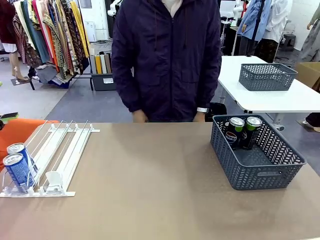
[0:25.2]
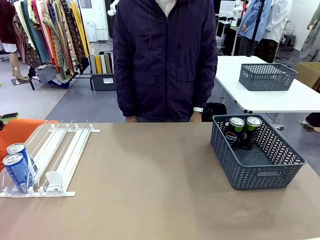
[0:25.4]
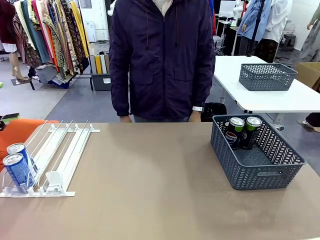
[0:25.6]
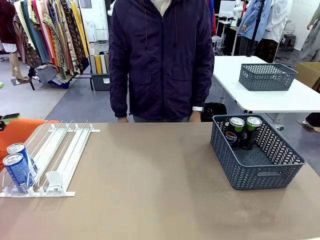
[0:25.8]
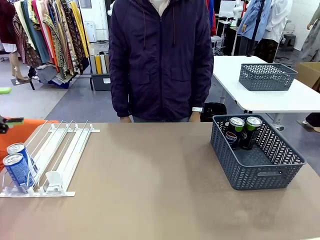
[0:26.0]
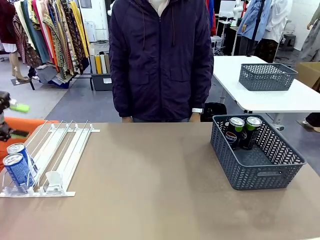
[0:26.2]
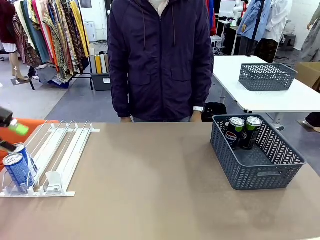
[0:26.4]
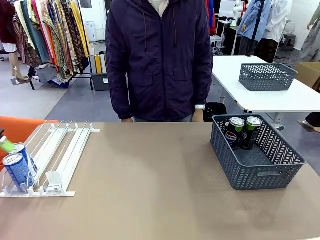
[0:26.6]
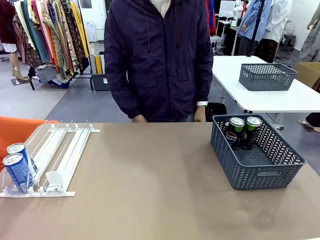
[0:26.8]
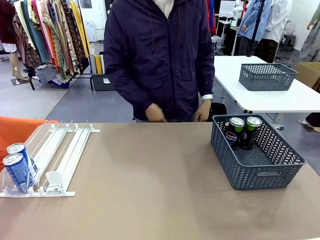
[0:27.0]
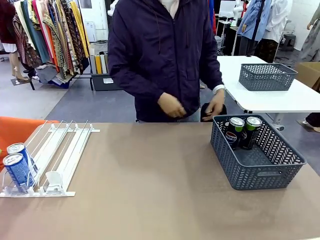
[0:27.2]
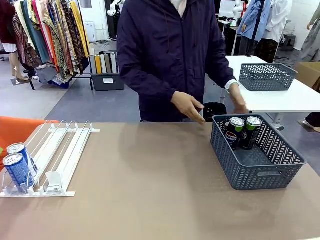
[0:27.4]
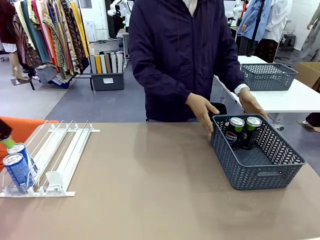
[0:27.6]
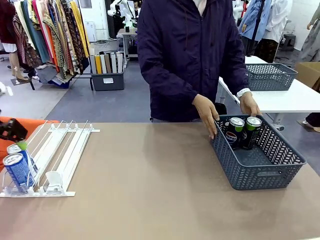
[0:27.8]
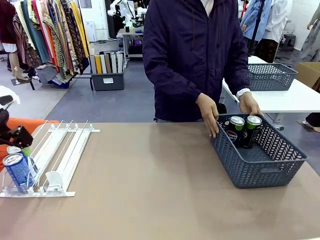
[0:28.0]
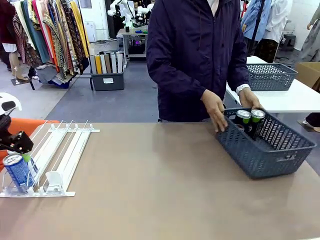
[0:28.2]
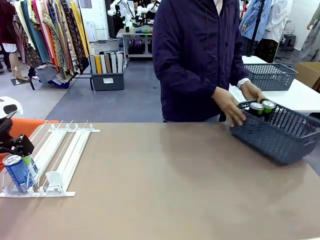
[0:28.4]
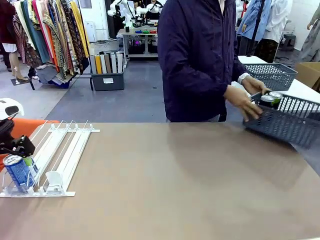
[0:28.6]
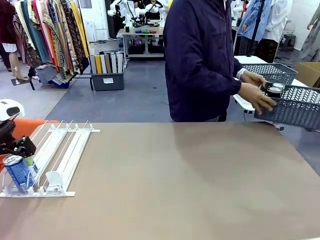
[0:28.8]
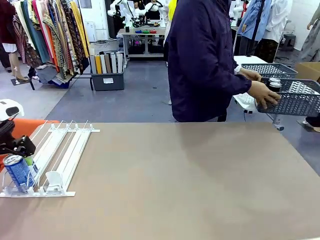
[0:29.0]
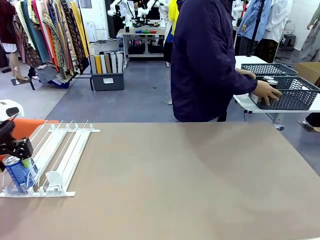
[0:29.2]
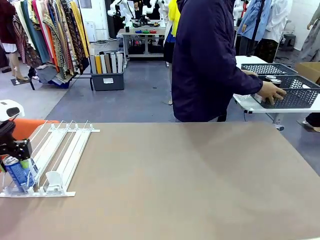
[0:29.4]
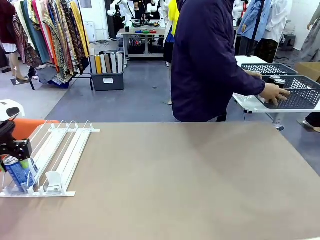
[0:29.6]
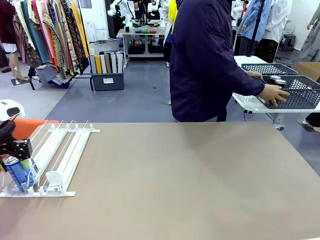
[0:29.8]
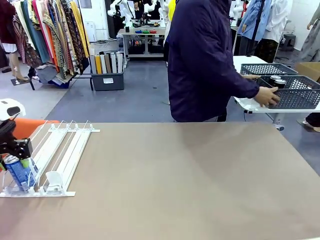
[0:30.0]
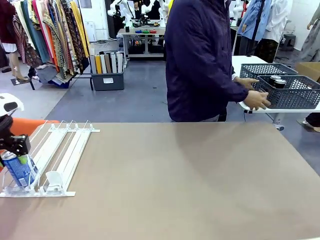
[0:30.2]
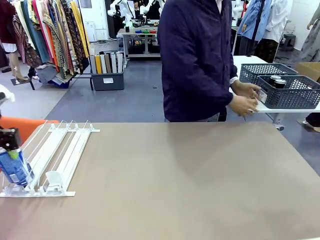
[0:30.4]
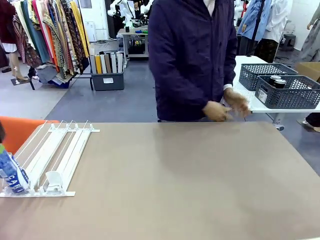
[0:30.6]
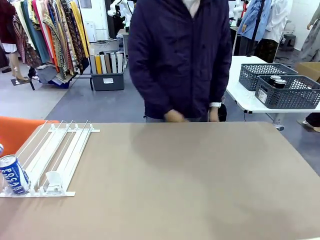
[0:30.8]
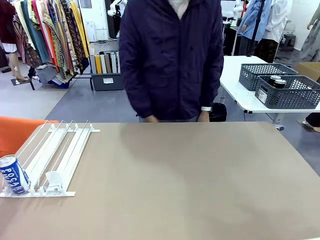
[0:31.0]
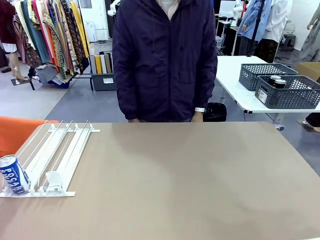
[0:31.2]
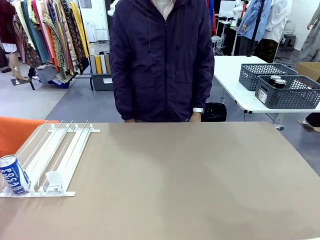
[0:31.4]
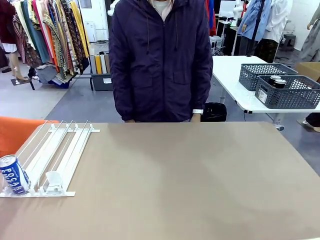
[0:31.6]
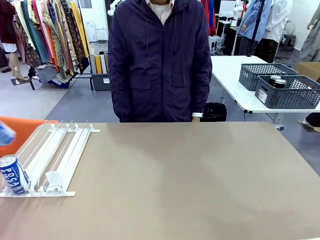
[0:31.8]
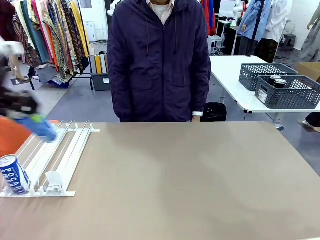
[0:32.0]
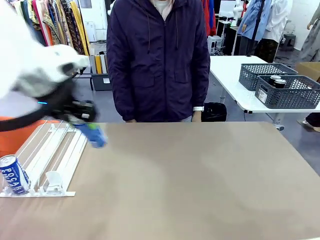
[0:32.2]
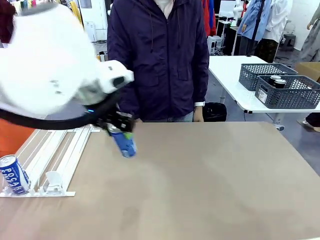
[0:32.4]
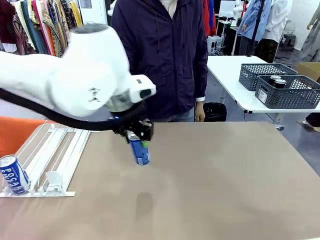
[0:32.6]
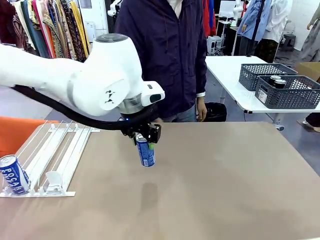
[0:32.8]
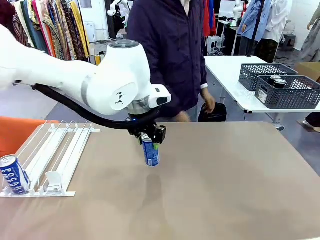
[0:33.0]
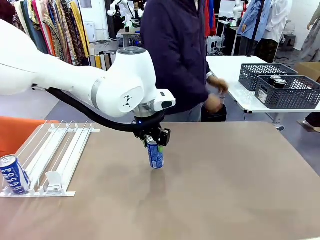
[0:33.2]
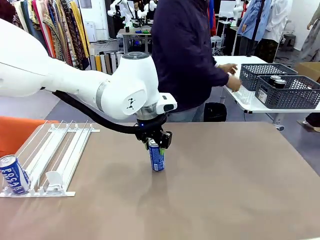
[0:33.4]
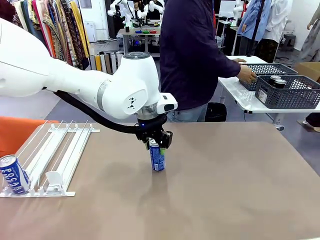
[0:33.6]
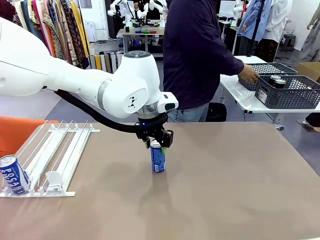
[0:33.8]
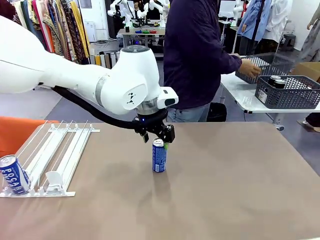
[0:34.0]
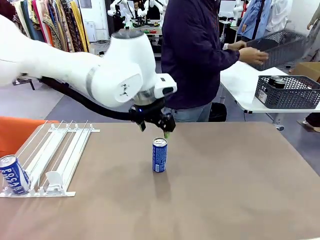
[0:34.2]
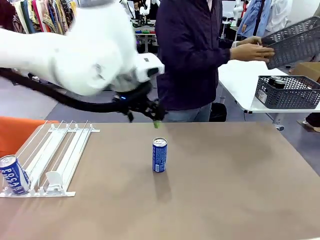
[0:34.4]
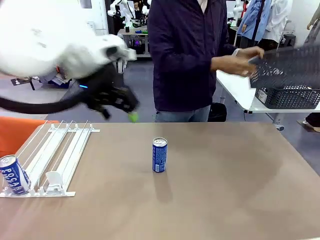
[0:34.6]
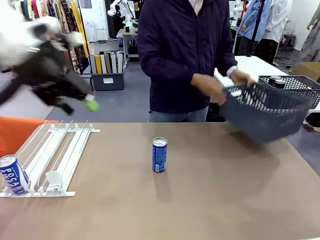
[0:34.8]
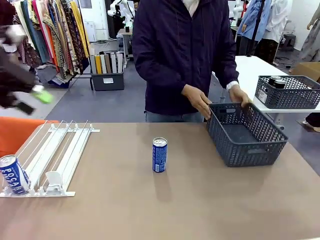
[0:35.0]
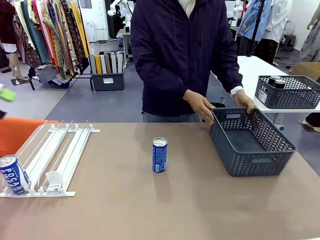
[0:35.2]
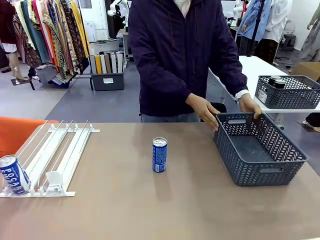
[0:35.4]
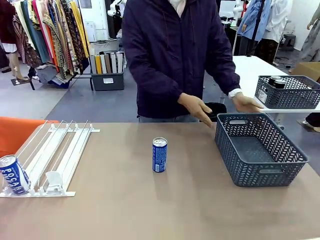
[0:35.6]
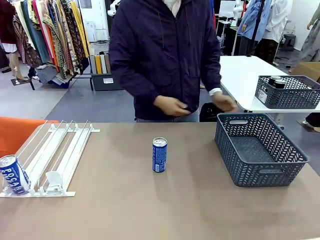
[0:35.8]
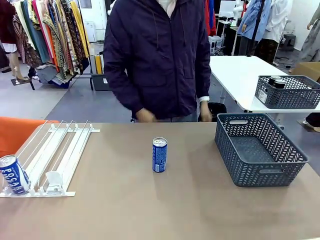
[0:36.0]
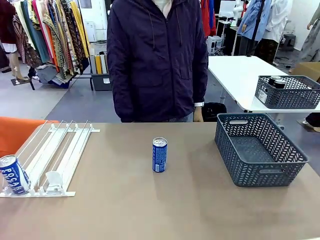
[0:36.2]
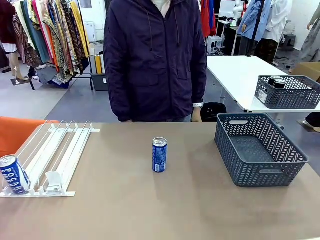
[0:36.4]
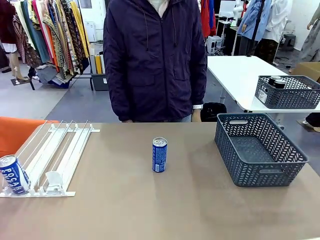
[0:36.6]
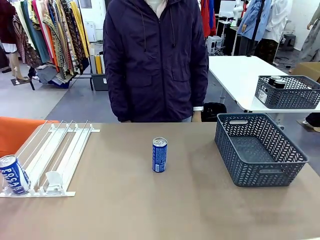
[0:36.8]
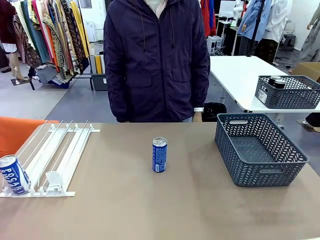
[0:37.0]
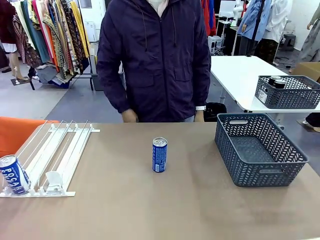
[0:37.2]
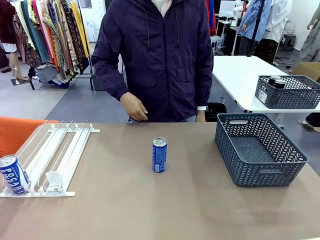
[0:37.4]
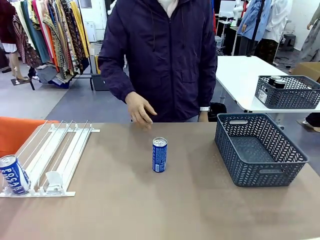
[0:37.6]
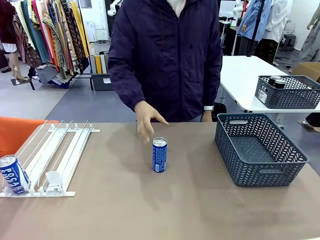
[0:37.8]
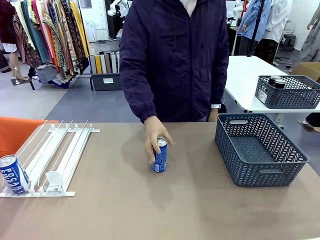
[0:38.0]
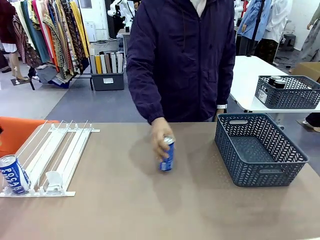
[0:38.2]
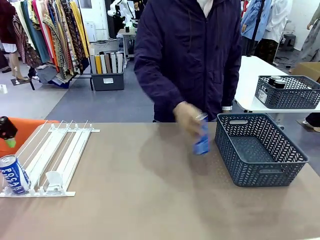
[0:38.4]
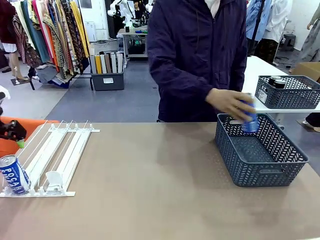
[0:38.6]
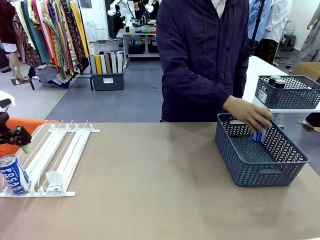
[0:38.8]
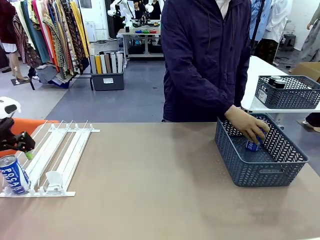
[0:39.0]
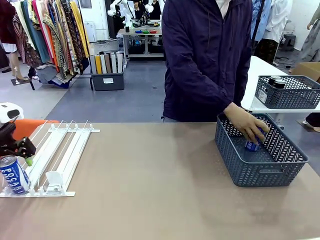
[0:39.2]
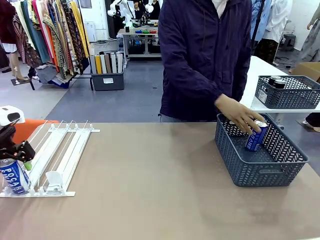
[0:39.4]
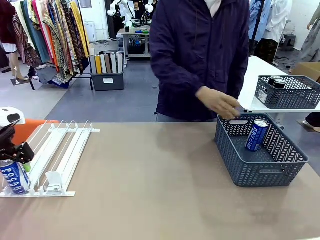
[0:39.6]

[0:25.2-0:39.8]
Task: Retrieve and store the cans from the dispenser.
Robot: Pick up one can from the Automatic Can Dispenser and place it in the middle of the table.
Person: Pick up the basket and place it in the middle of the human table. Pick up the empty basket and place it on the left side of the robot table.
